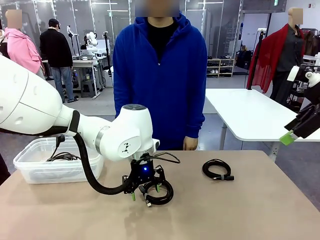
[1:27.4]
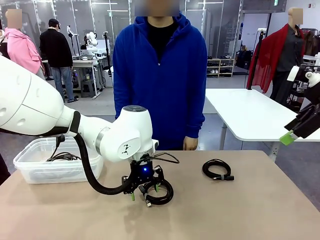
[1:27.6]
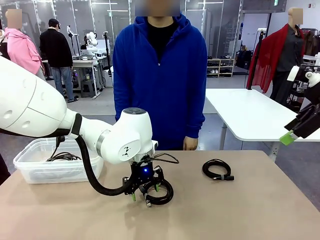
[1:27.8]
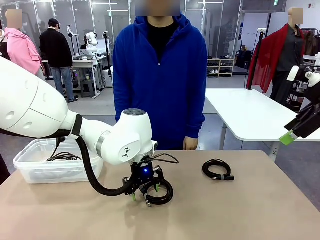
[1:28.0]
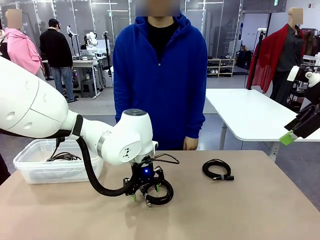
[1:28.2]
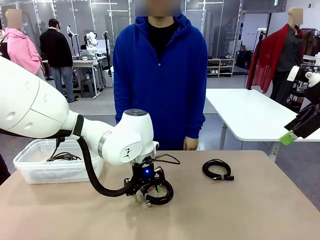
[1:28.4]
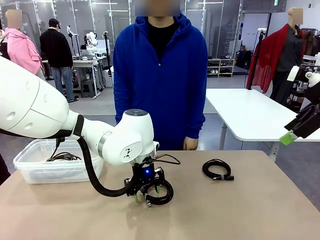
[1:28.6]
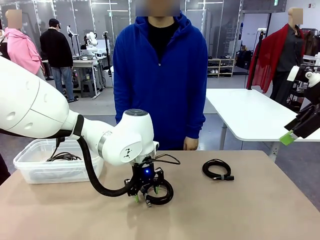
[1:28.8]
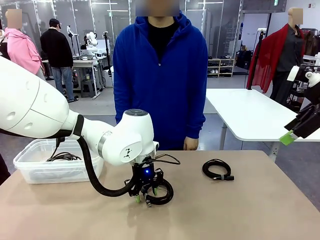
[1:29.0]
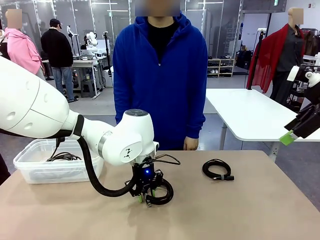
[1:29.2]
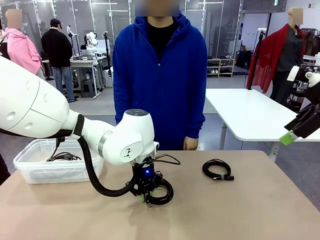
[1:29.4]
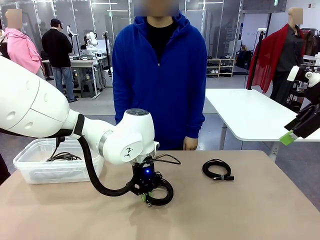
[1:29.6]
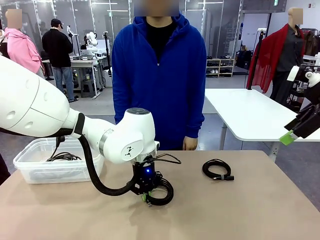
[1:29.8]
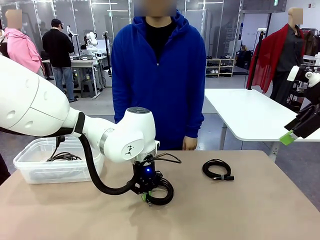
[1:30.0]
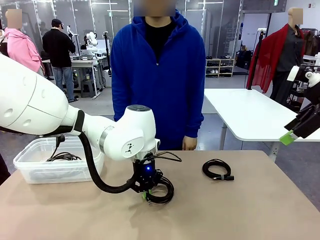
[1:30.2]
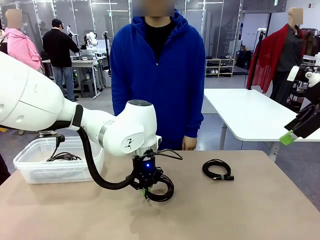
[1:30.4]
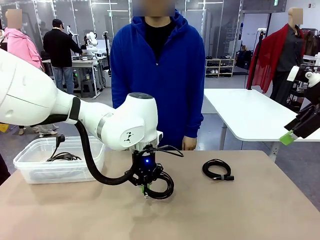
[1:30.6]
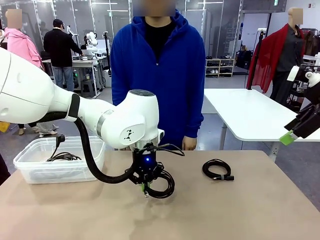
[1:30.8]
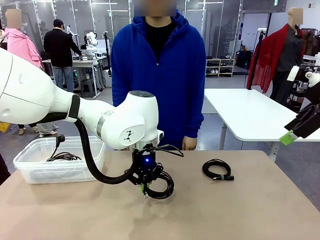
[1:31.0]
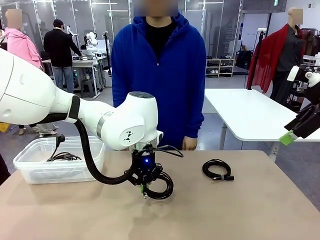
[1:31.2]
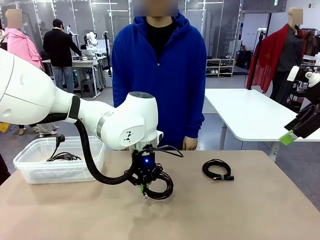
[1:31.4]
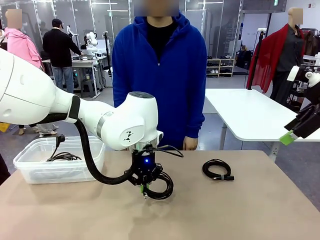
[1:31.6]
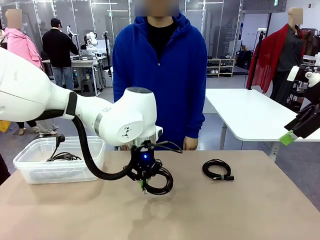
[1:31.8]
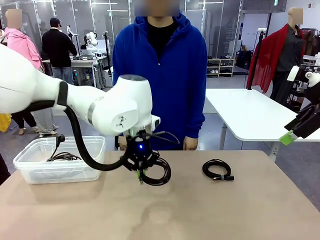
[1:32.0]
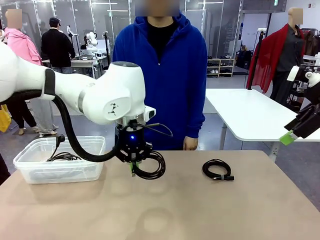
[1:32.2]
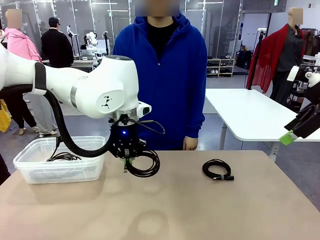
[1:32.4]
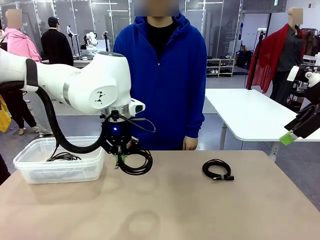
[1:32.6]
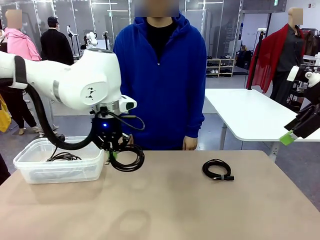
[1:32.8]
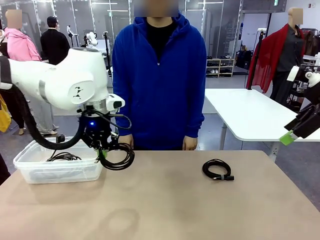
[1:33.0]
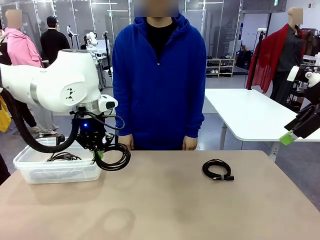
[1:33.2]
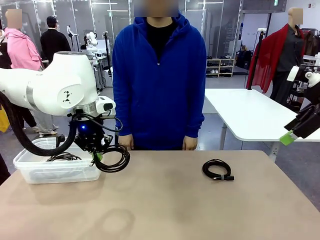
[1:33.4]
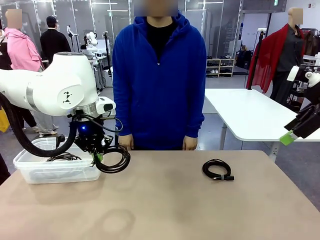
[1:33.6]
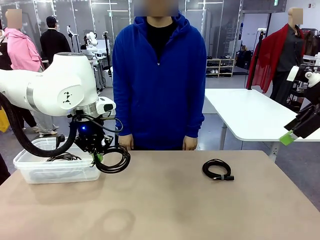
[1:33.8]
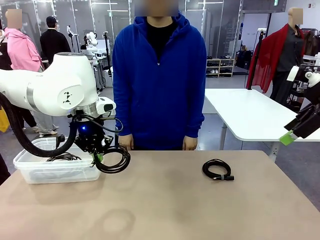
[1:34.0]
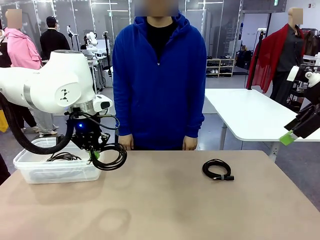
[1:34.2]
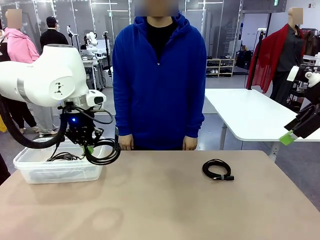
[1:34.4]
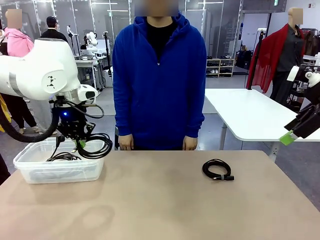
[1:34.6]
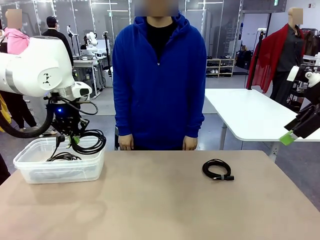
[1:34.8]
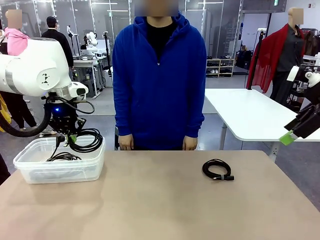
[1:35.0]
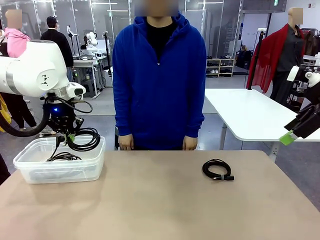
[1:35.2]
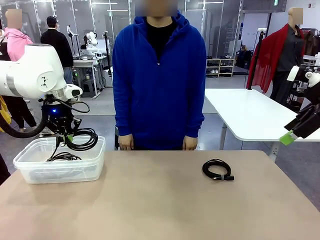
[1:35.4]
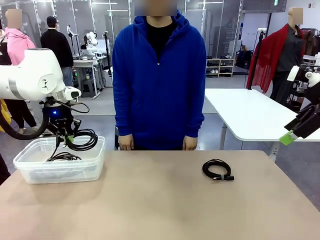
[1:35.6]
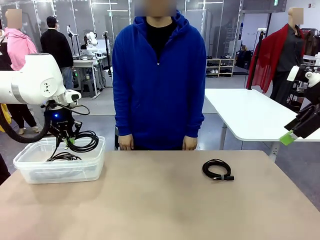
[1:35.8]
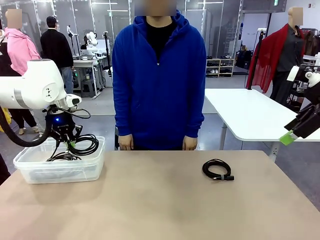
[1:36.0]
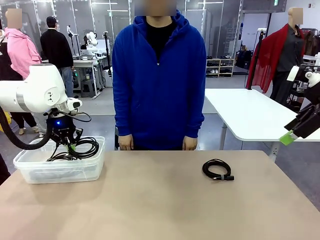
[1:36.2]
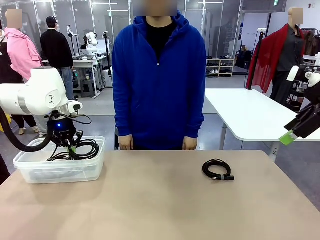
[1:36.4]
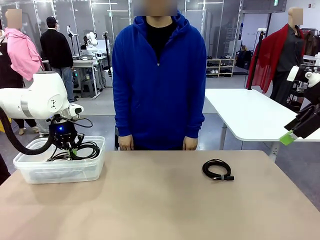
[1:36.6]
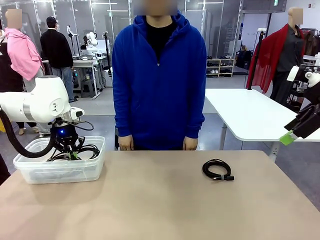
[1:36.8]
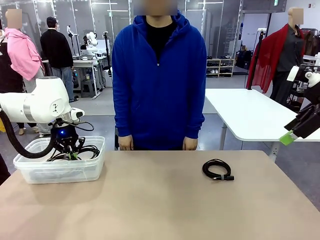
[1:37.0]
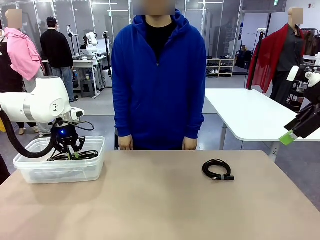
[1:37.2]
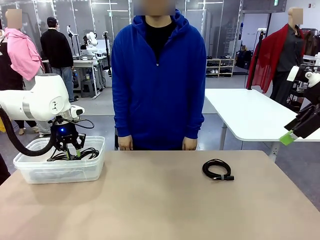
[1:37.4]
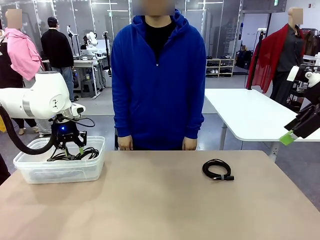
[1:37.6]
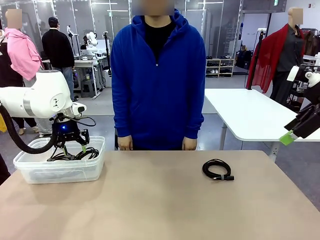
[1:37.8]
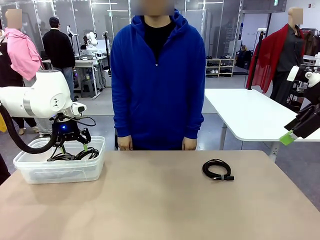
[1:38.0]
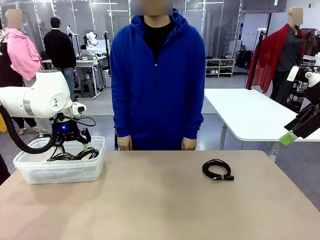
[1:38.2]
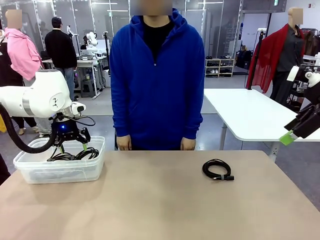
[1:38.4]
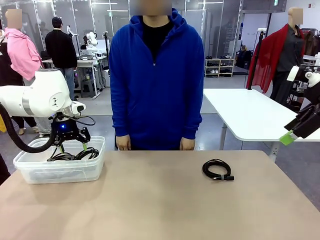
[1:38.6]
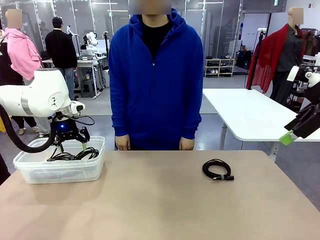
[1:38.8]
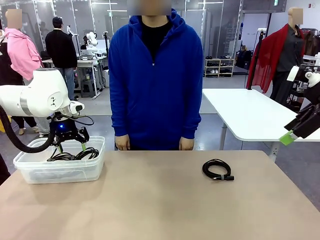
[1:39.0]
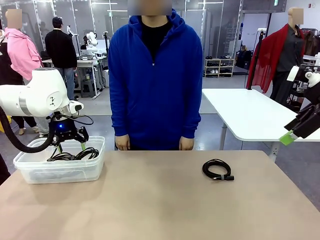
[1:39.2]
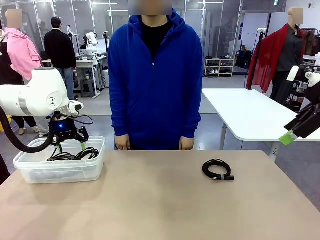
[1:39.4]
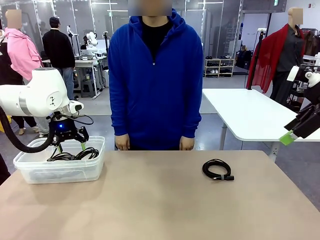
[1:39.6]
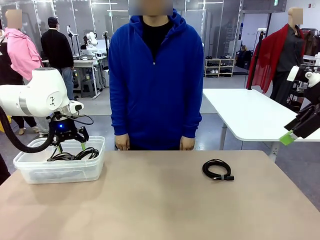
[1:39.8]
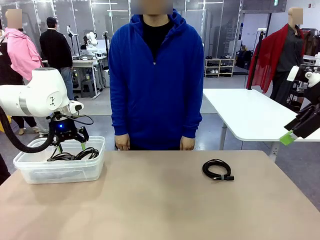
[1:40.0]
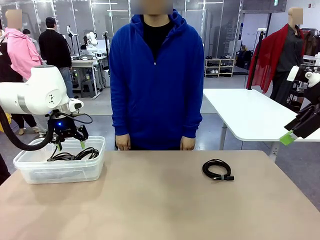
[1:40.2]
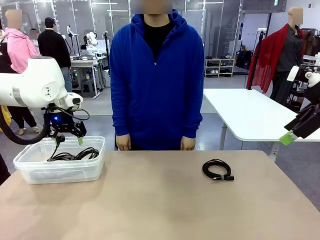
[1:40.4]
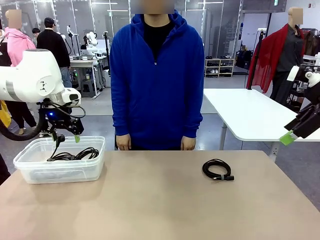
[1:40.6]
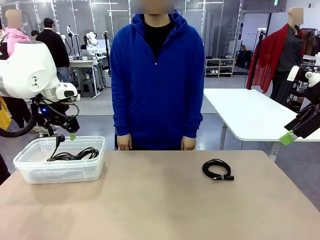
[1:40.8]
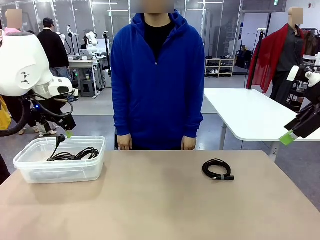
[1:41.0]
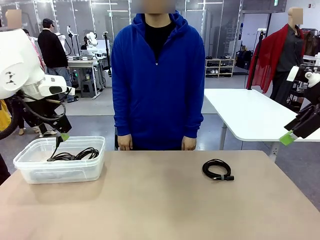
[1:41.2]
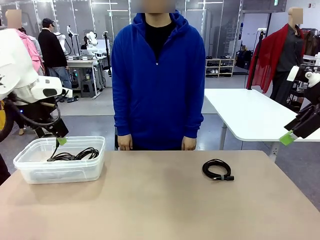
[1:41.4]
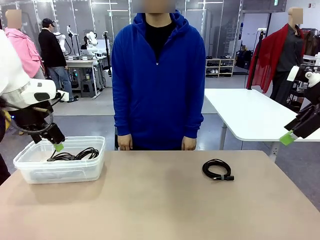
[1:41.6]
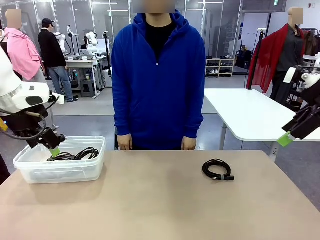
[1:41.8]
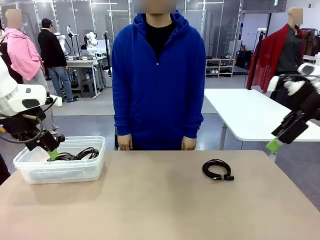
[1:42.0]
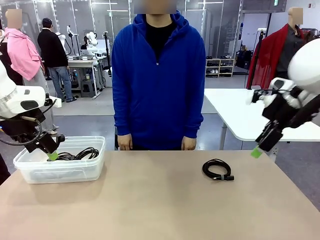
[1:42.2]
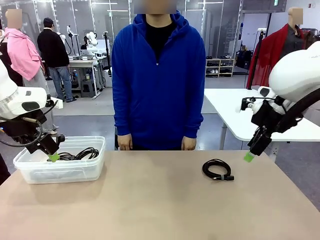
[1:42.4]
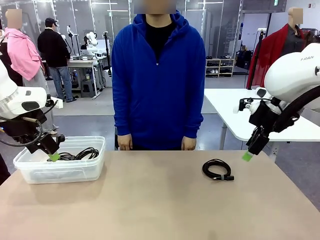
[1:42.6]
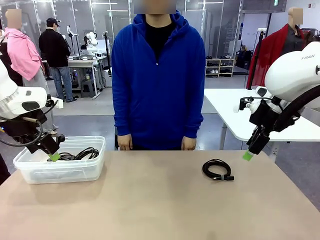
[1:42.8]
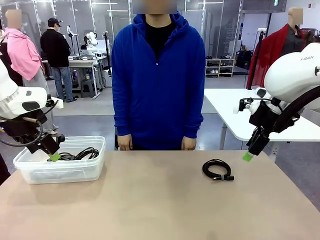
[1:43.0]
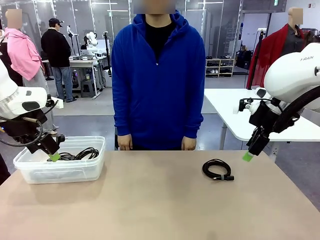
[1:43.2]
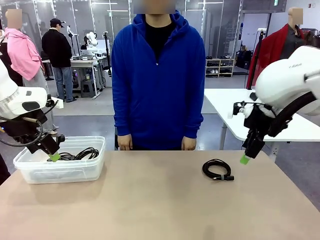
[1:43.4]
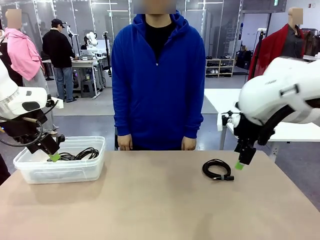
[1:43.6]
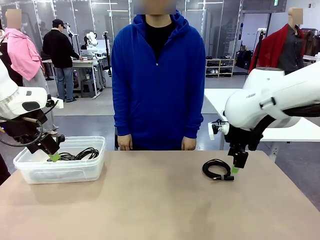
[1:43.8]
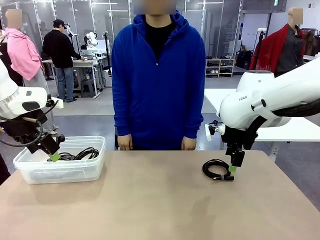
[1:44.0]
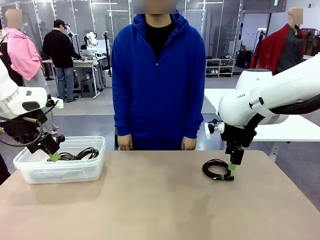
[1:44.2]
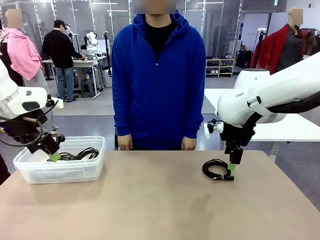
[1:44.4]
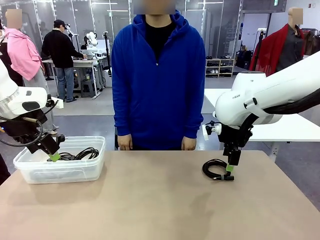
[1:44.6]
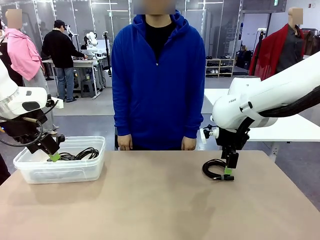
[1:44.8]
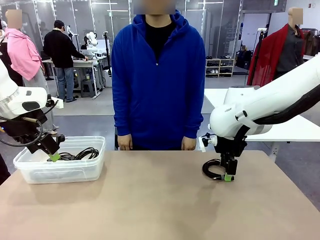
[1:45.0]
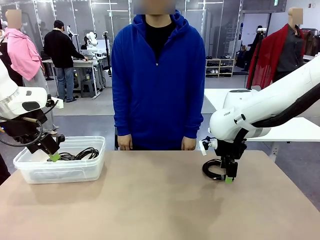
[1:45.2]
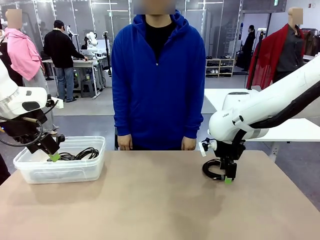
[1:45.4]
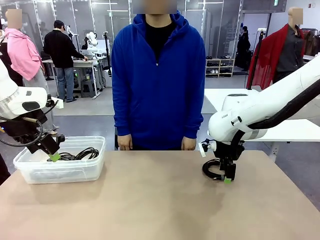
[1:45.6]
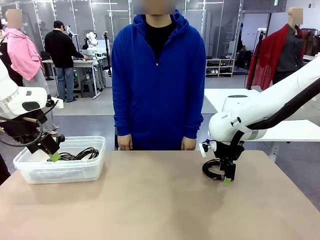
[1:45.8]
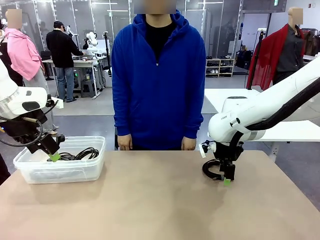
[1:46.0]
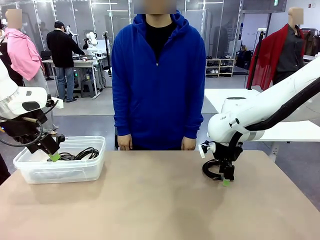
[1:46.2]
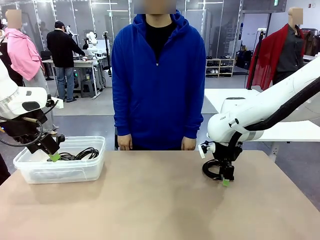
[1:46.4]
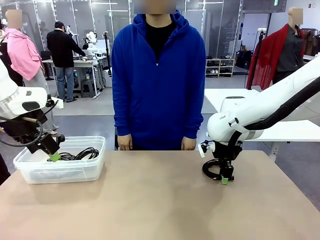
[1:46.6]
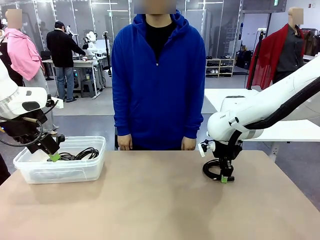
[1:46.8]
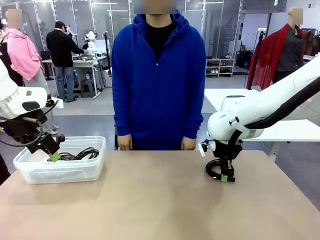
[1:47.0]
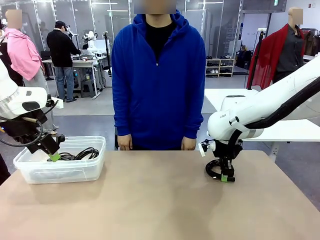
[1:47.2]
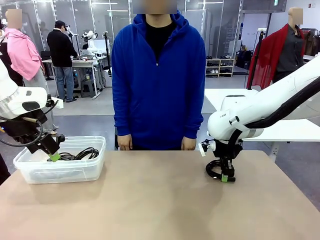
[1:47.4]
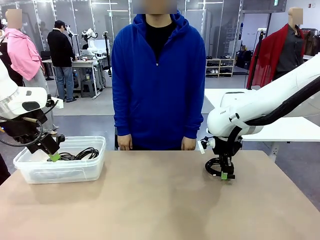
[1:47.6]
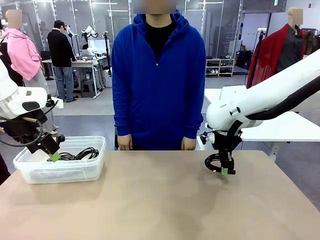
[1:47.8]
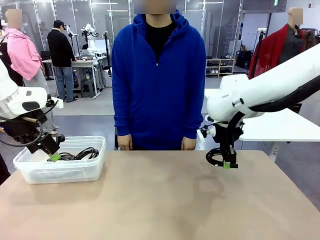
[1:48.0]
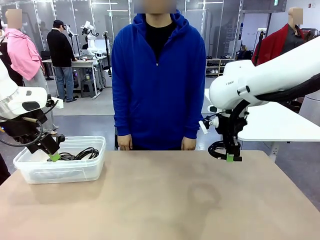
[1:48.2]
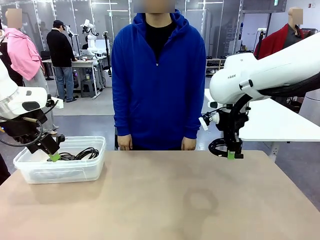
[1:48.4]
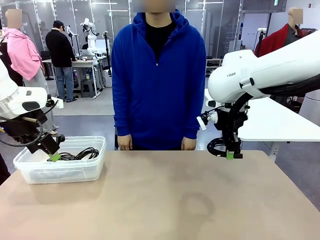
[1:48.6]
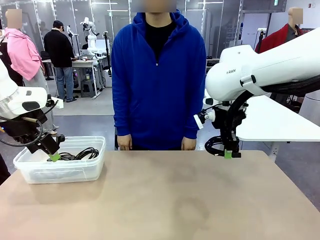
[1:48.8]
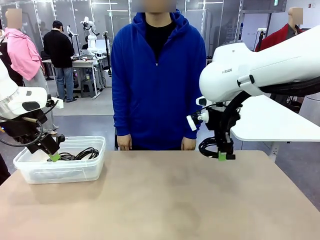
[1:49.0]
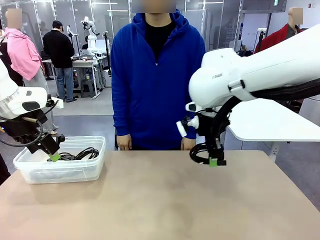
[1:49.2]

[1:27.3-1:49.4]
Task: Organize and store the cables.
Robot: Place the USB Extension Cable into the Organizing box.
